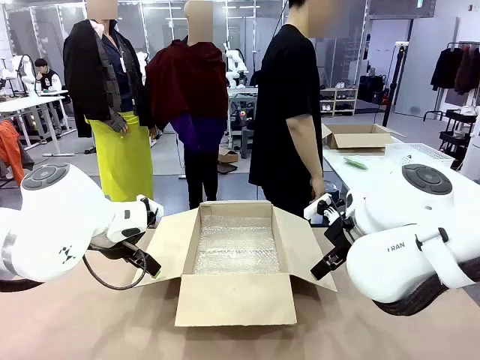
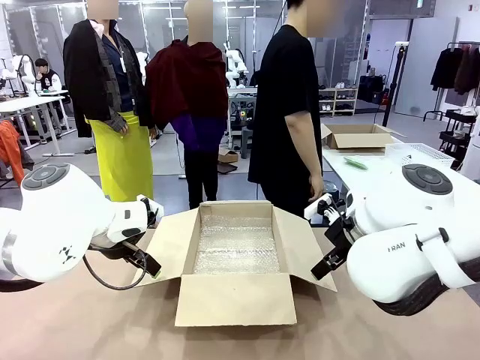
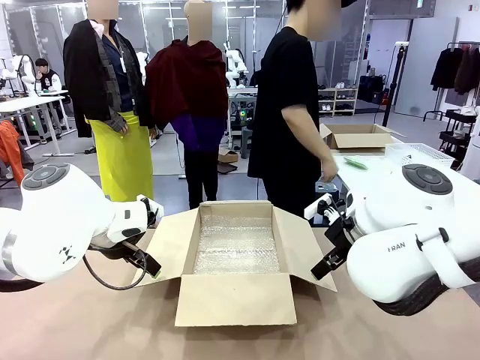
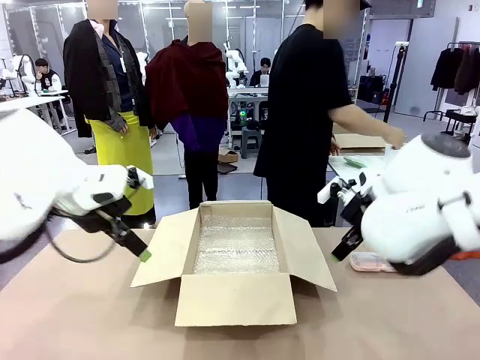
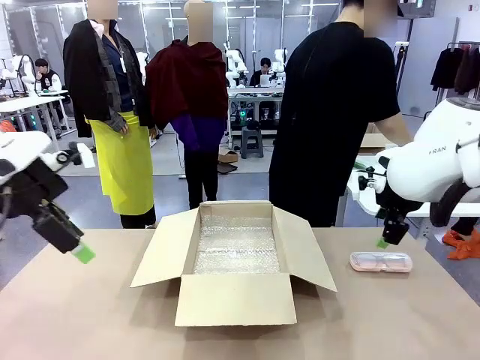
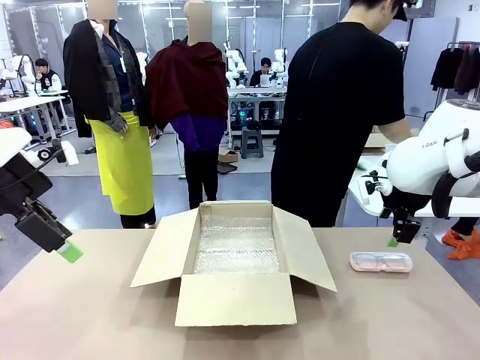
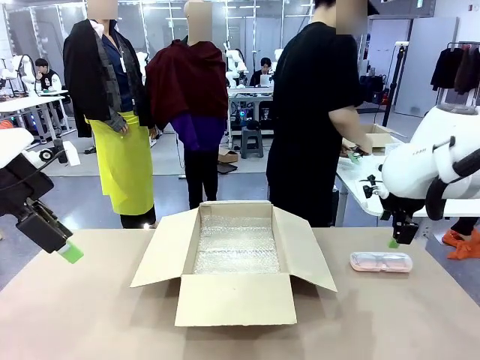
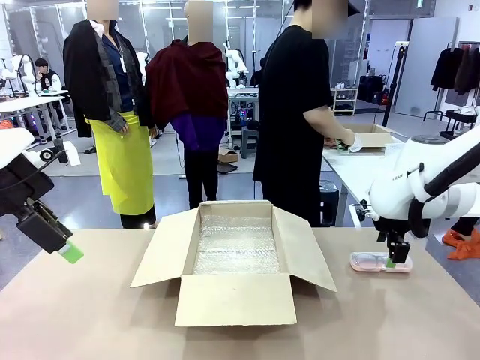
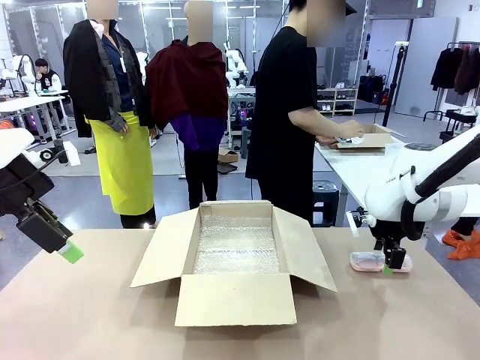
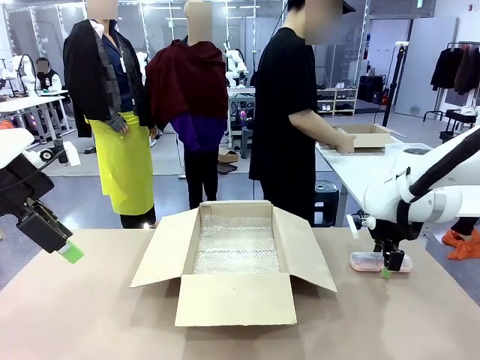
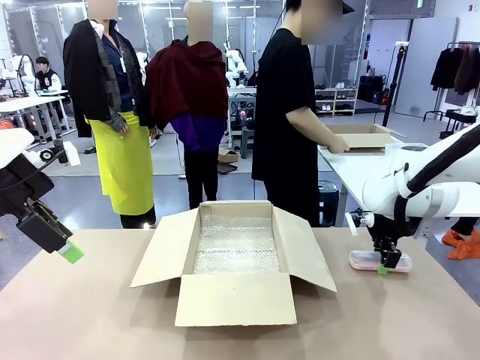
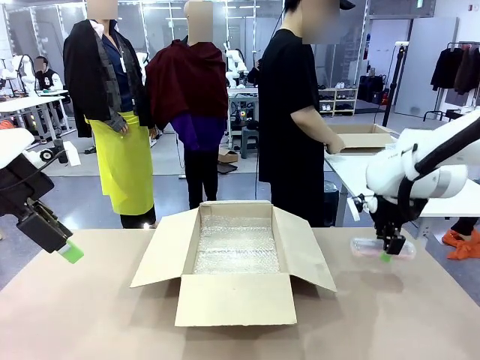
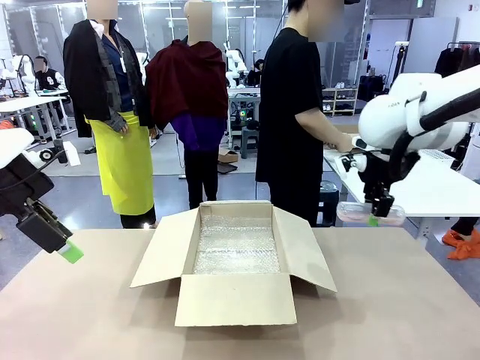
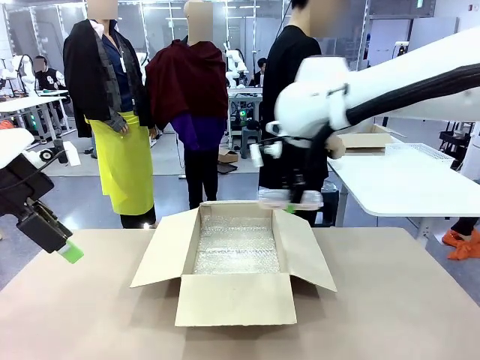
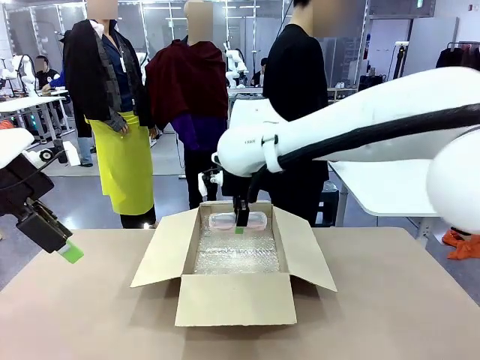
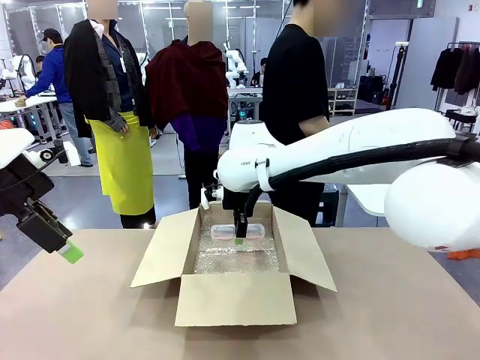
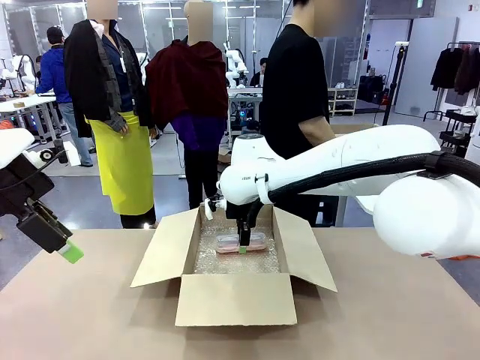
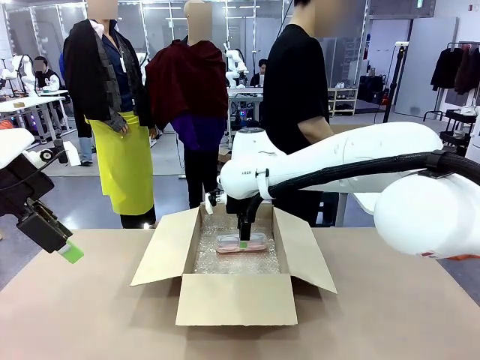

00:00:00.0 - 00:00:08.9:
Task: Pack the glasses set securely to prepare it for shipping.
Robot: Place the Glasses case inside the Package Box.
Person: Place the Glasses inside the Glasses case.

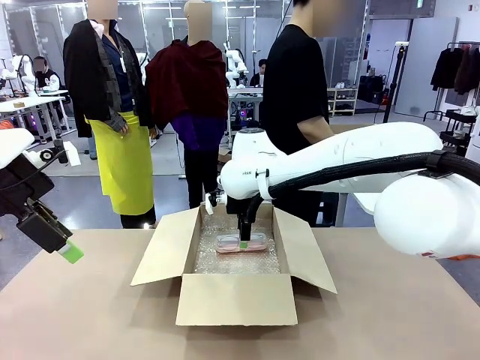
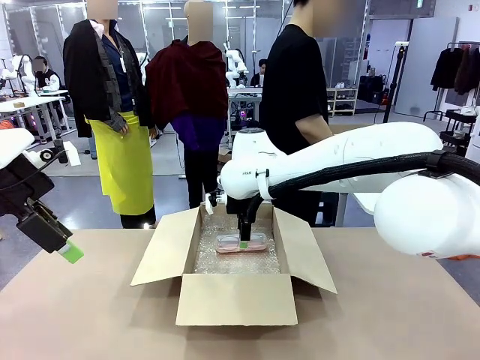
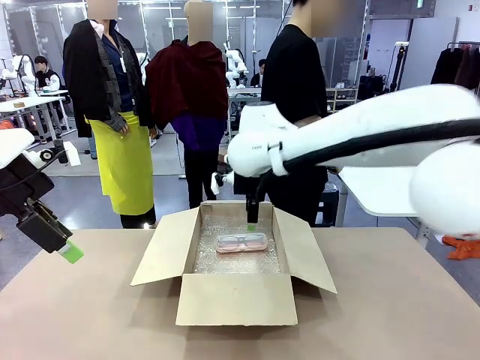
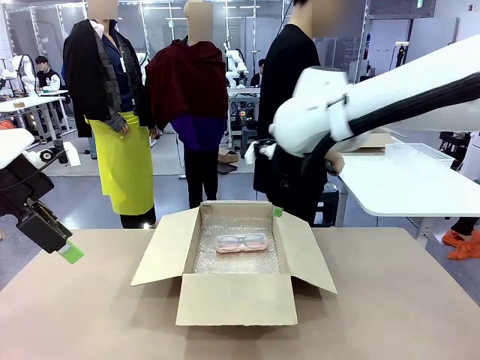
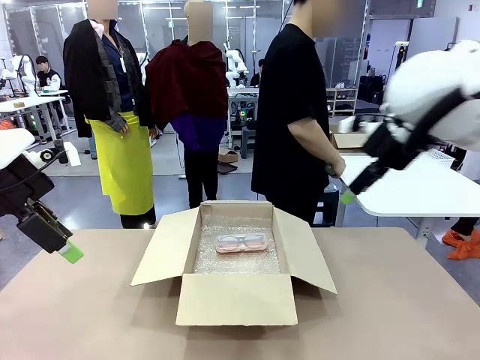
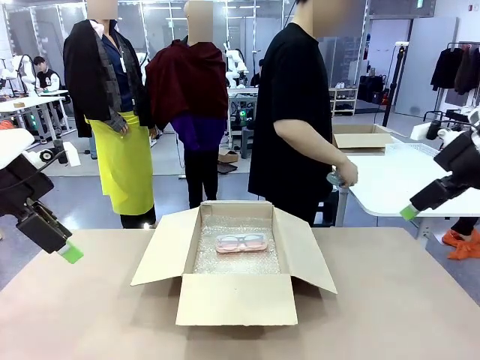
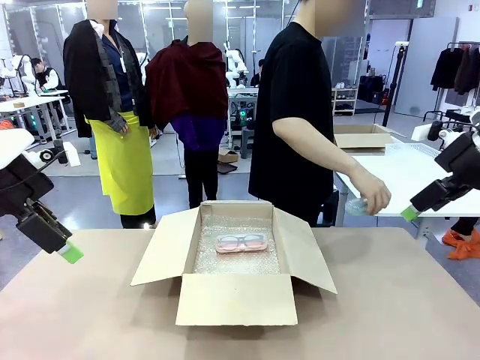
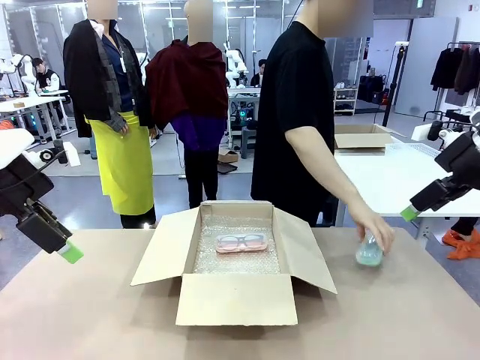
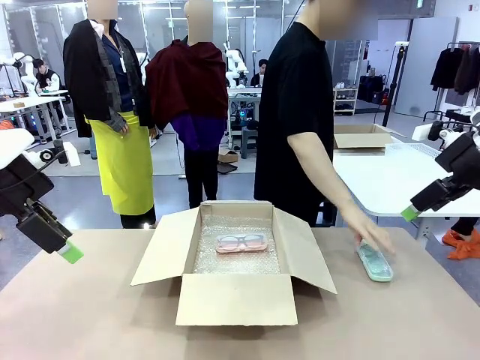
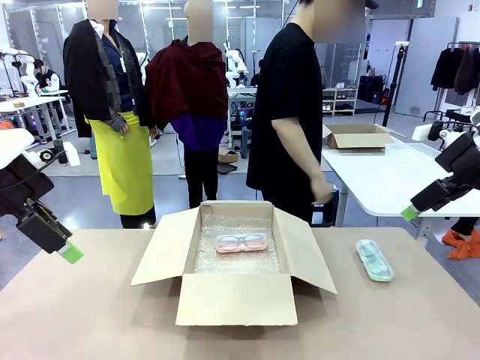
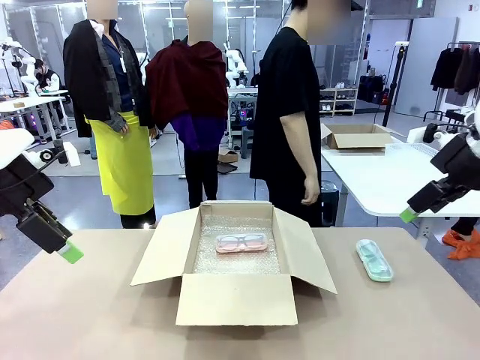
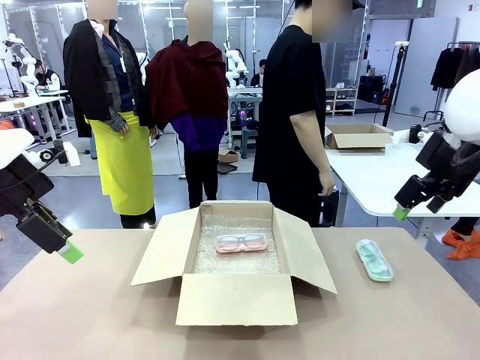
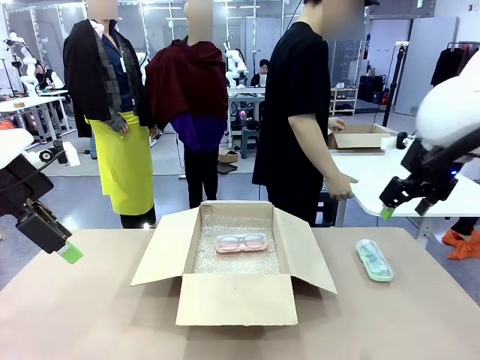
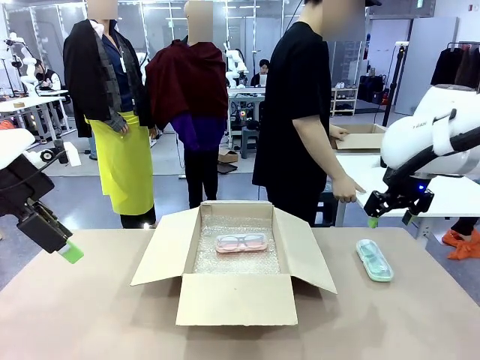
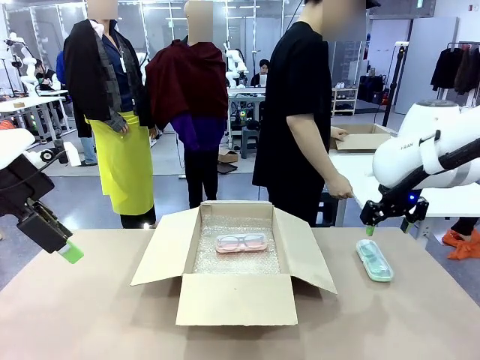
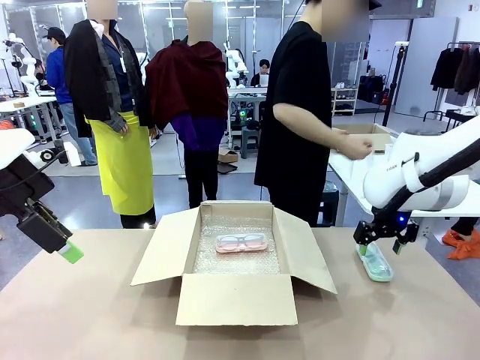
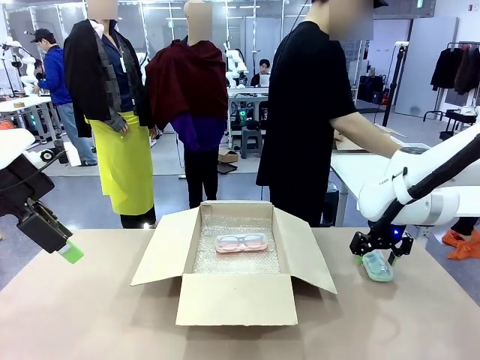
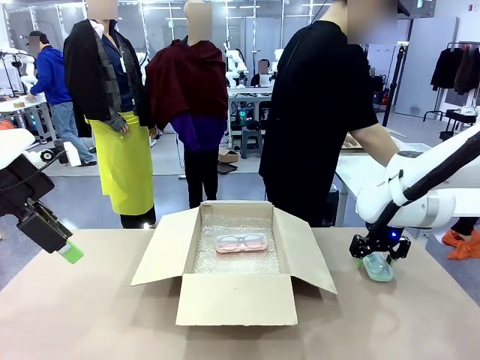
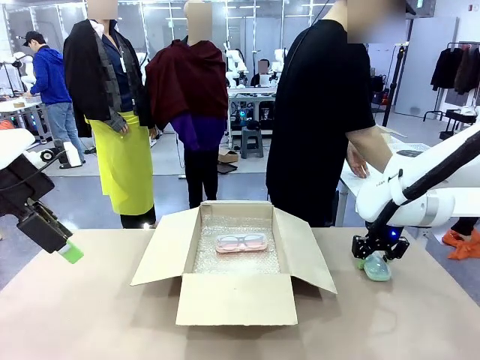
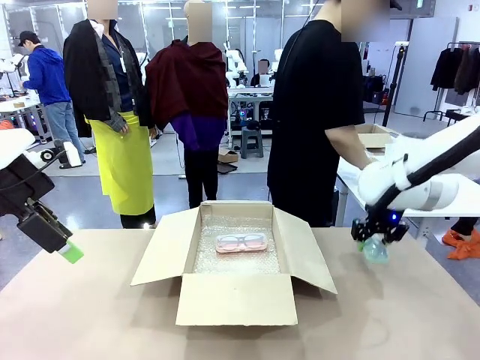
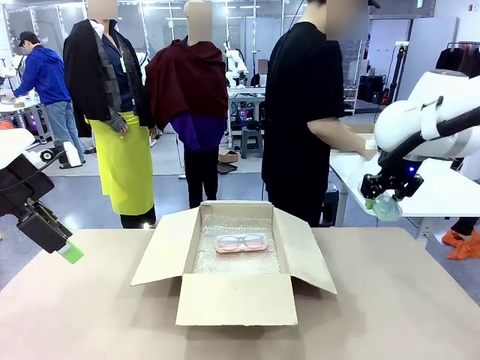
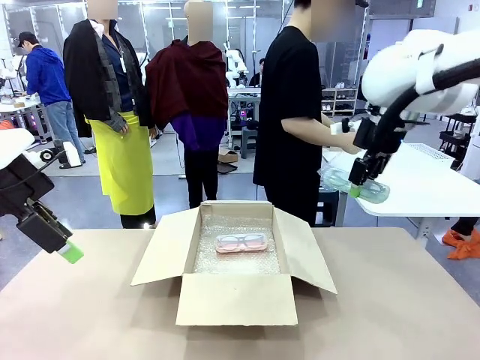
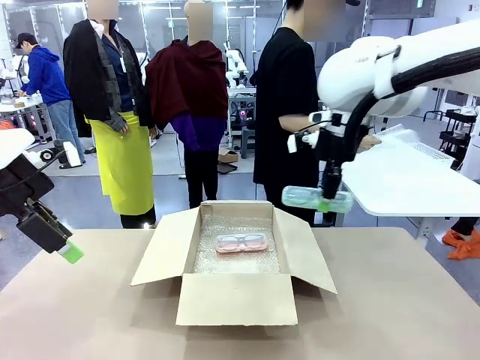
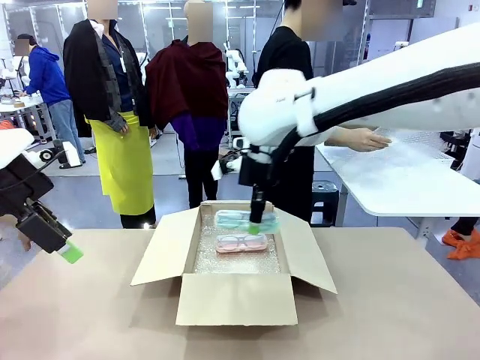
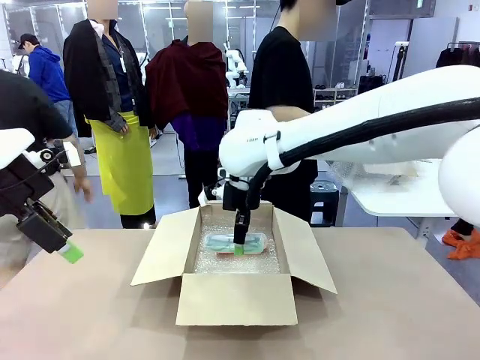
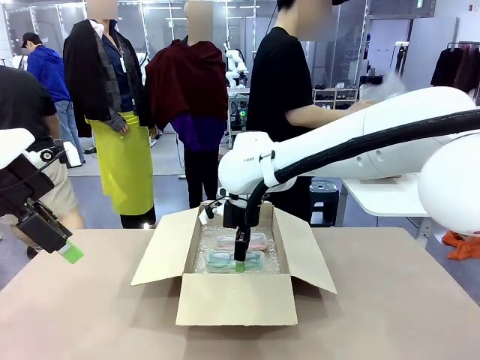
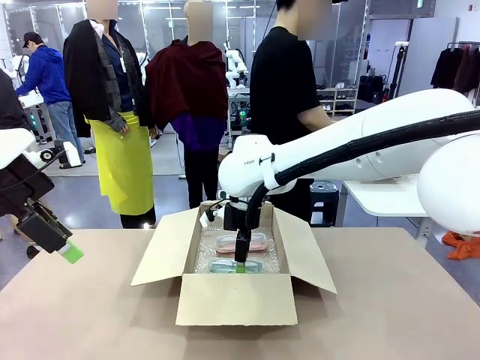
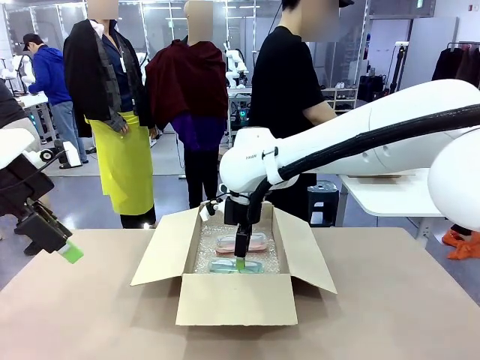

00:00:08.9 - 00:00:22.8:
Robot: Put the Glasses case from the right side of the table into the Package Box.
Person: Position the Glasses case on the left side of the robot's table.
